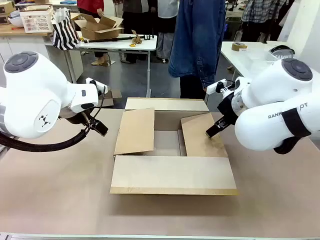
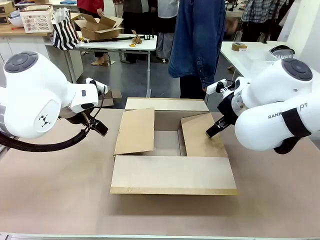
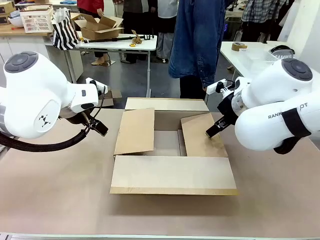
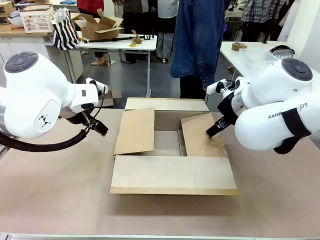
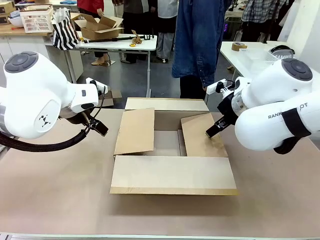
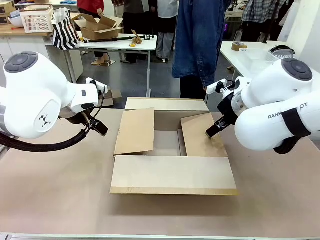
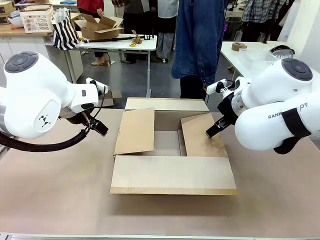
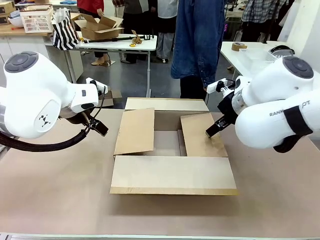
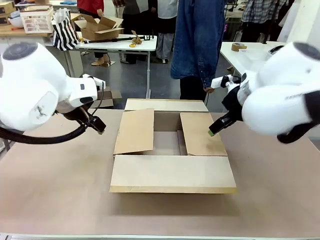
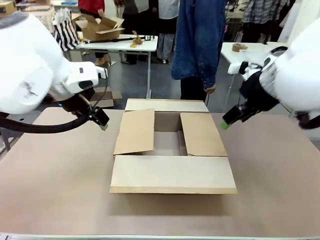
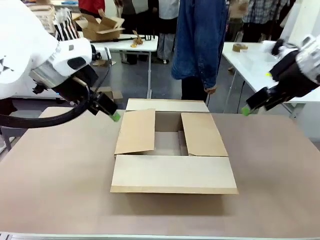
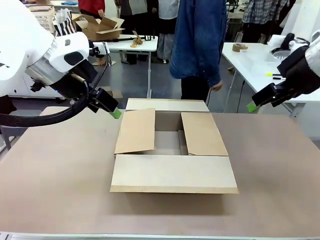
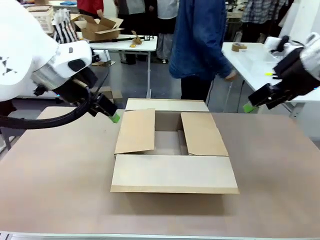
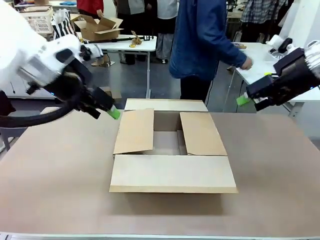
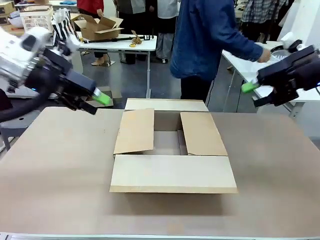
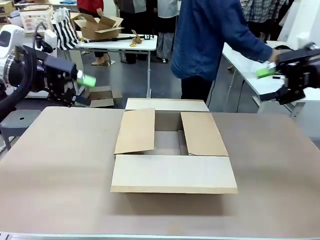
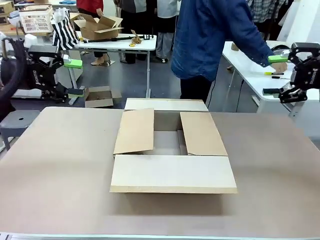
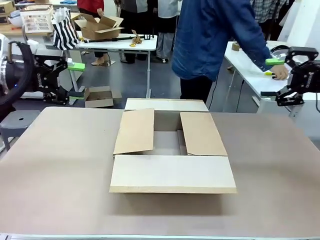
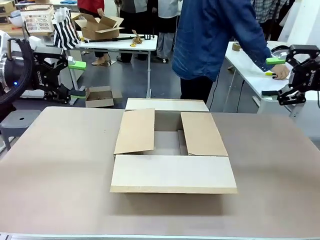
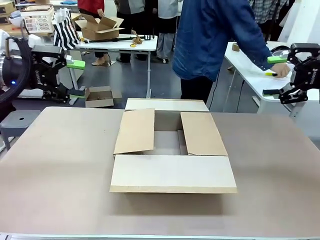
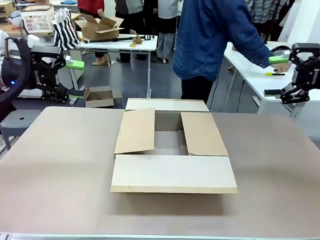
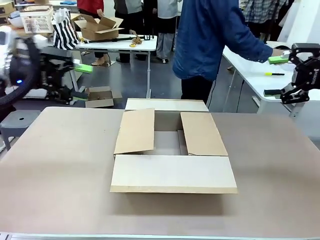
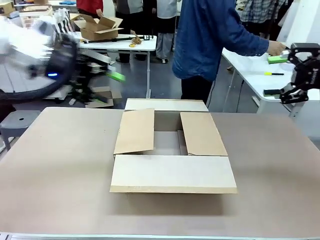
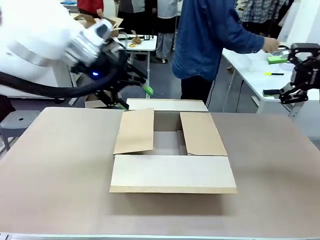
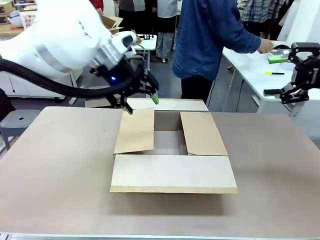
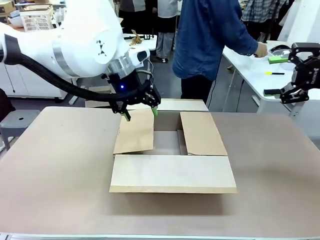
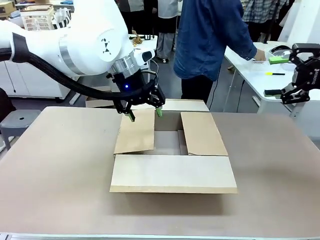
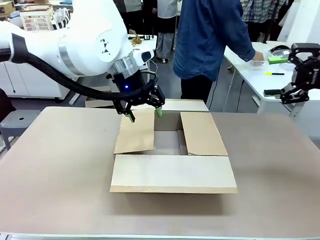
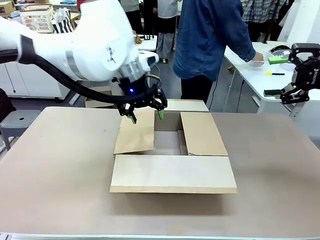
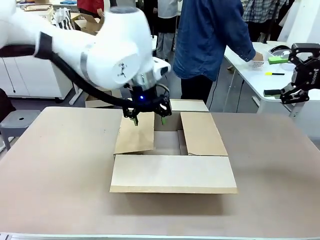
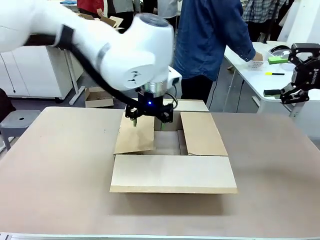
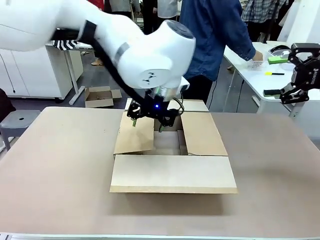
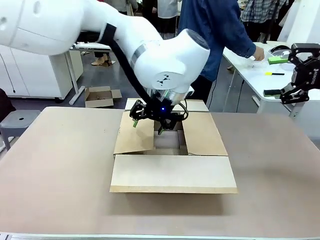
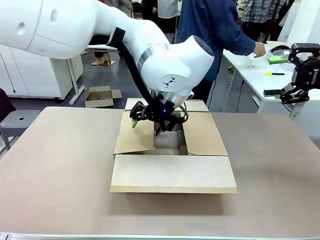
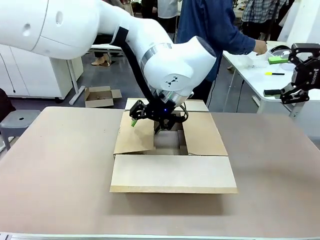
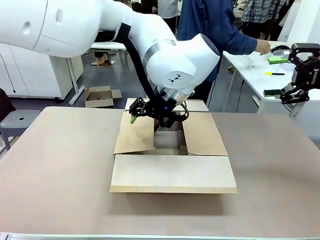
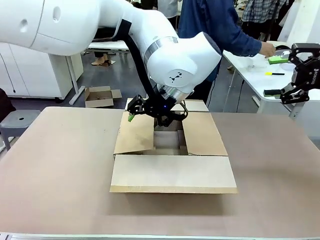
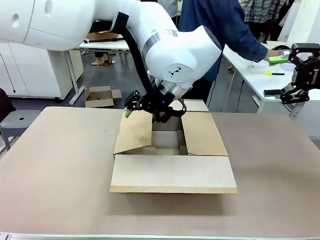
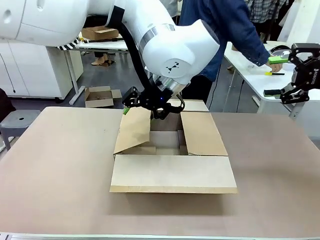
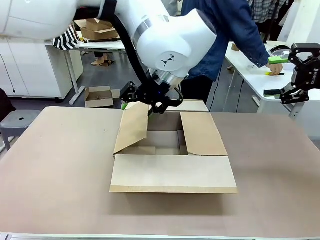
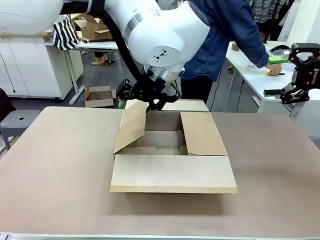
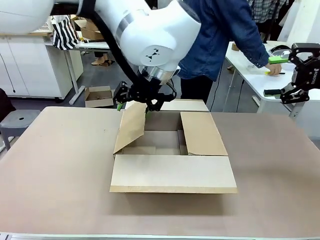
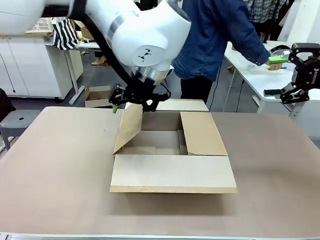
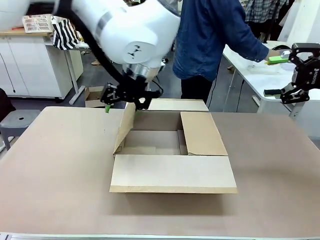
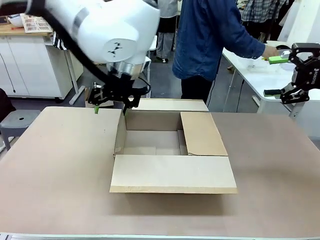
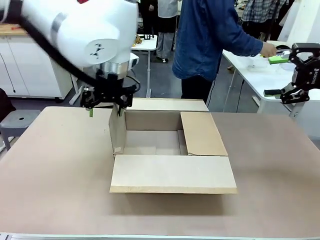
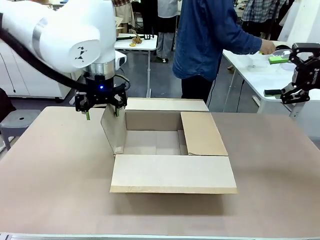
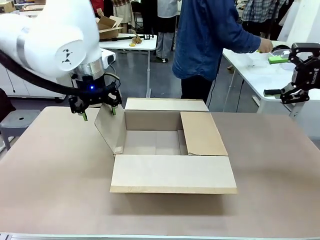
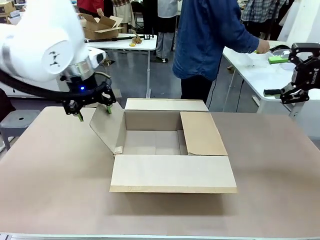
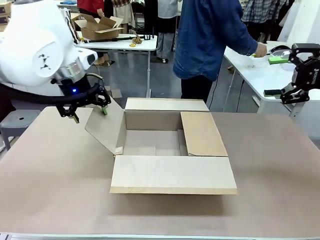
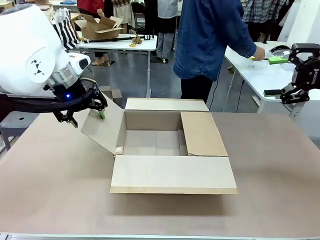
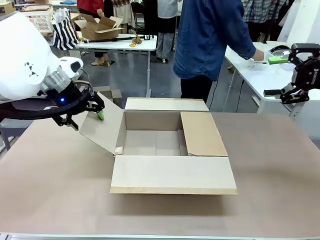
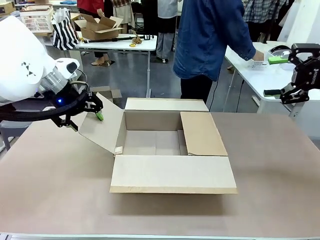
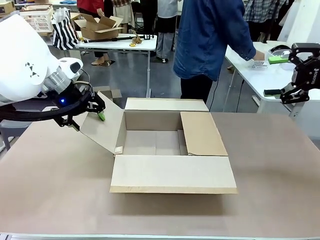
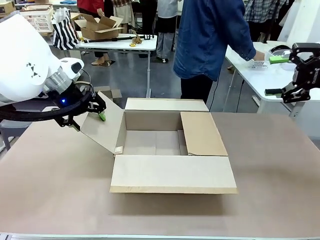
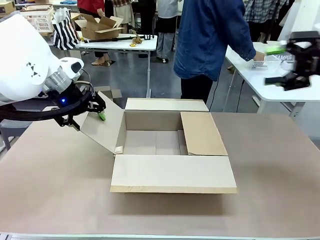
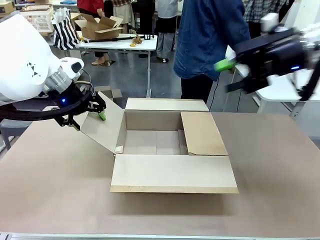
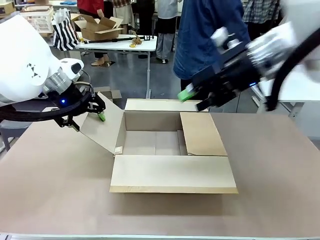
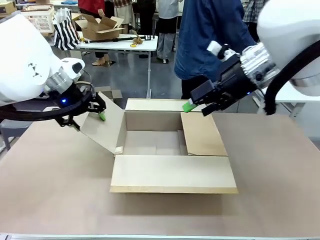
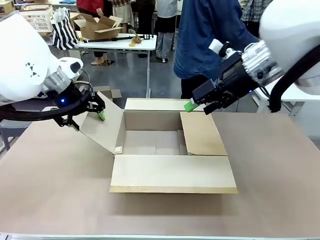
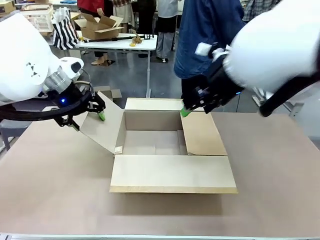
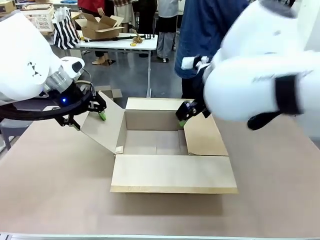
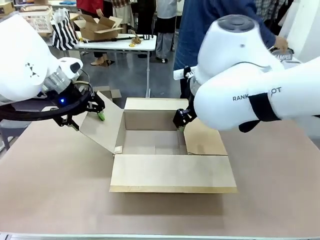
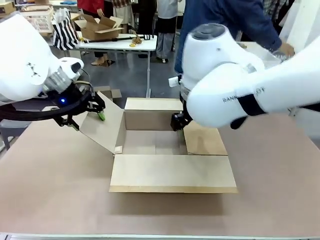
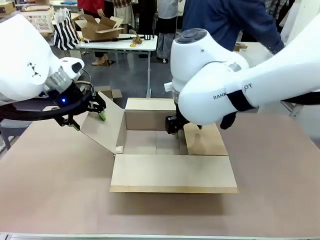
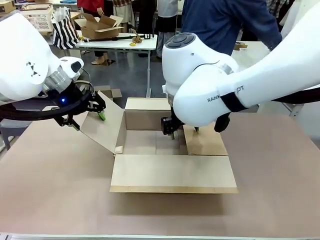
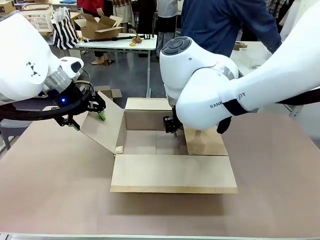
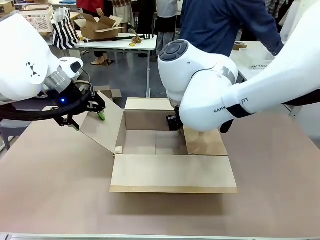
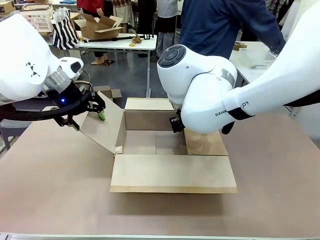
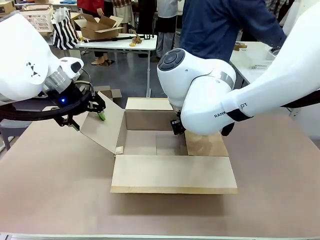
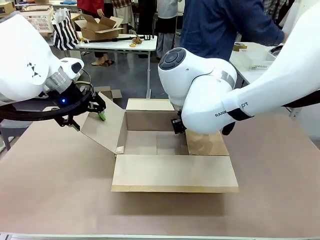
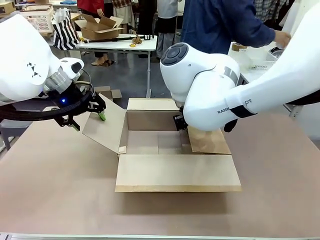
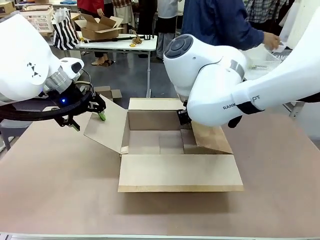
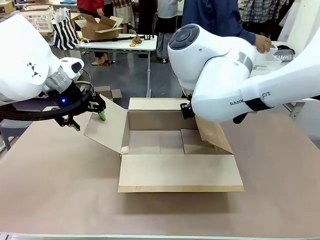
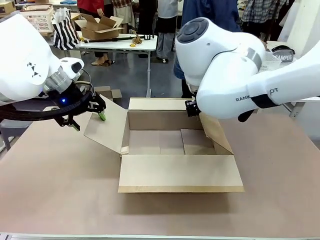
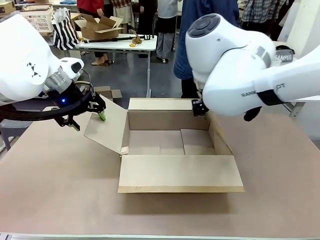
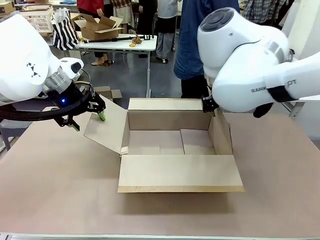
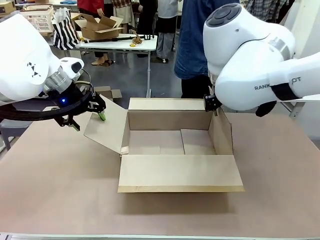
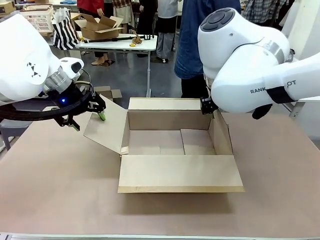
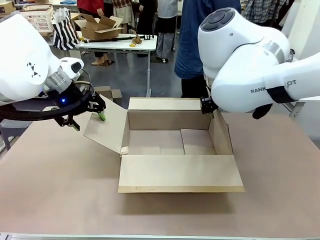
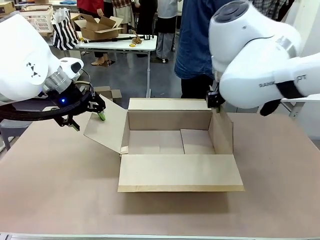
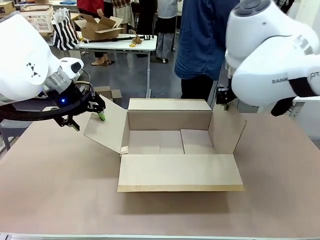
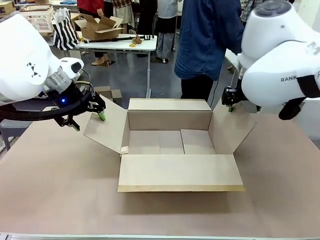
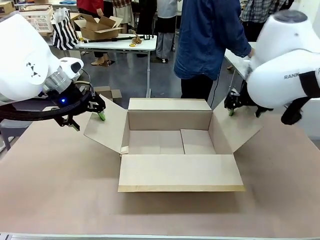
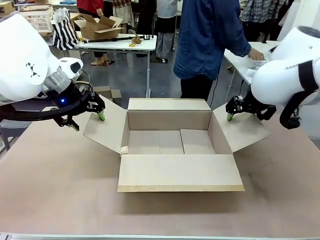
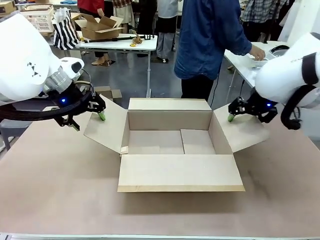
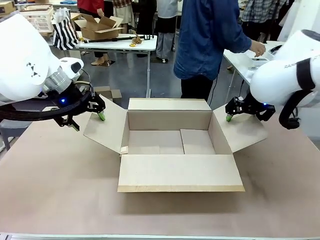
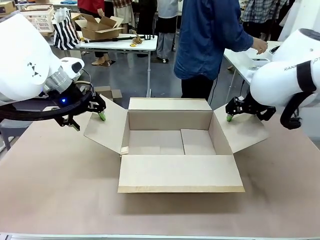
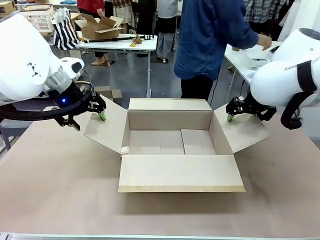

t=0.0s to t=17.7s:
Task: Pack the gift set into the box.
Robot: Place both hands on the side flaps of the Package Box and spread them outward.
Person: The human places all items except the paper tape into the organizing basket.
